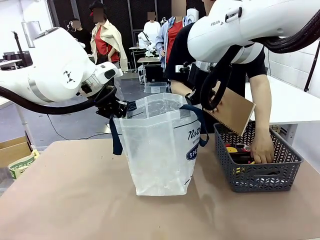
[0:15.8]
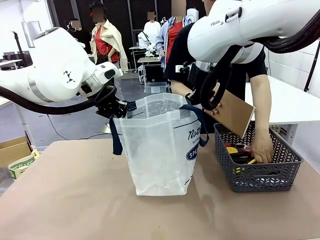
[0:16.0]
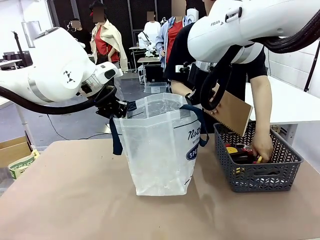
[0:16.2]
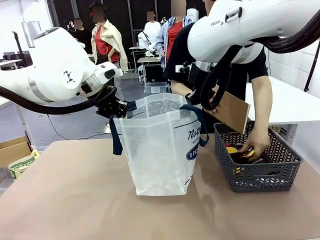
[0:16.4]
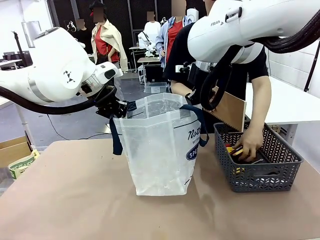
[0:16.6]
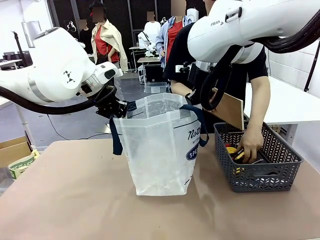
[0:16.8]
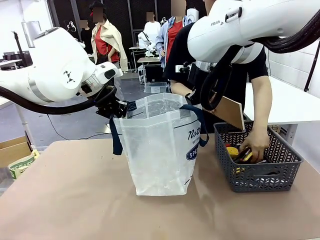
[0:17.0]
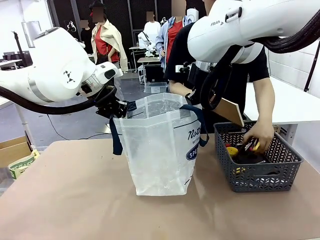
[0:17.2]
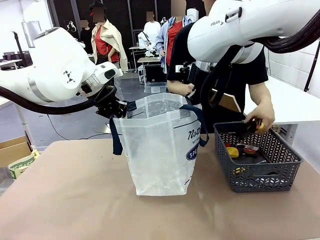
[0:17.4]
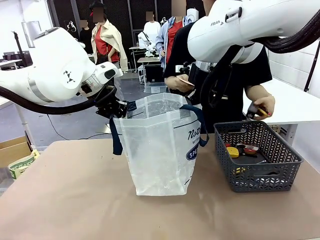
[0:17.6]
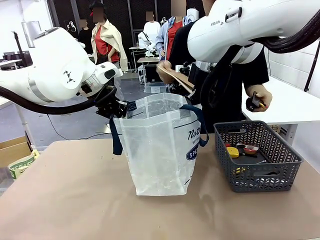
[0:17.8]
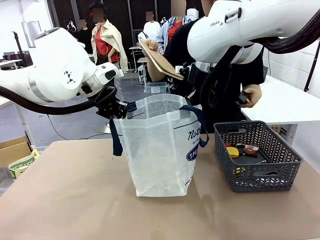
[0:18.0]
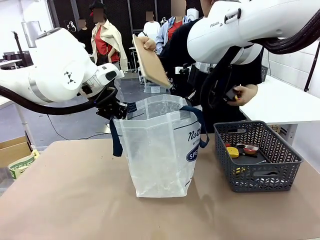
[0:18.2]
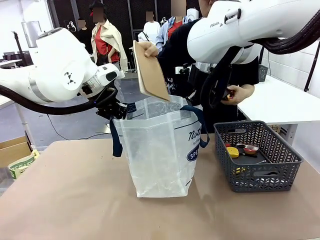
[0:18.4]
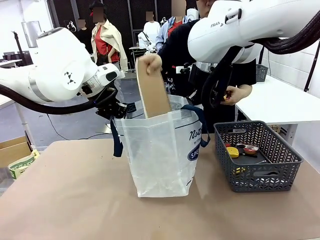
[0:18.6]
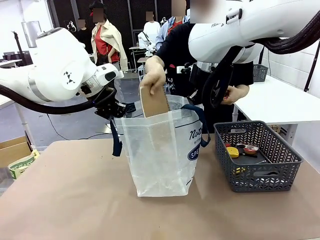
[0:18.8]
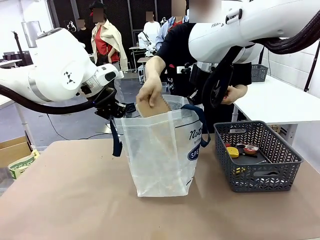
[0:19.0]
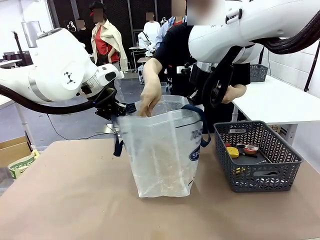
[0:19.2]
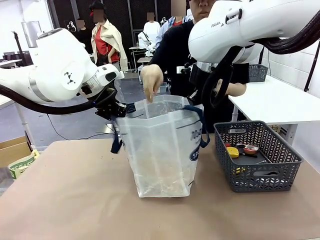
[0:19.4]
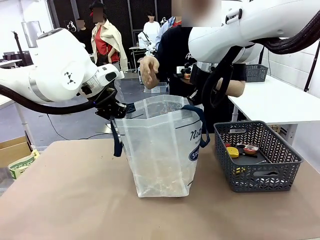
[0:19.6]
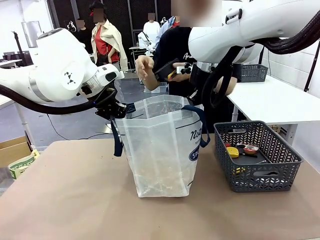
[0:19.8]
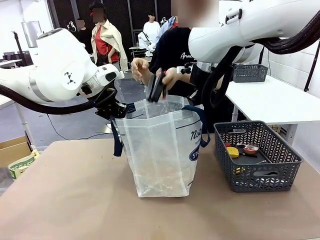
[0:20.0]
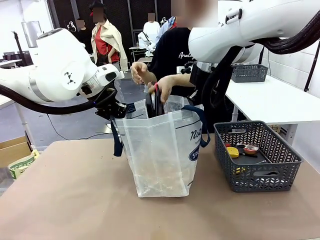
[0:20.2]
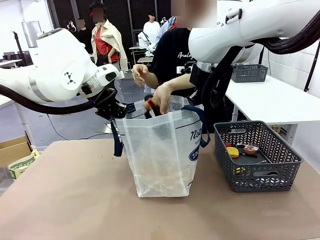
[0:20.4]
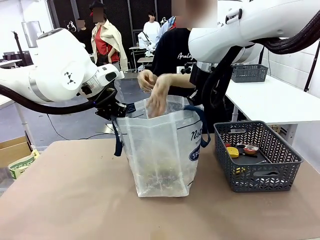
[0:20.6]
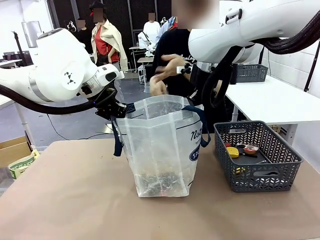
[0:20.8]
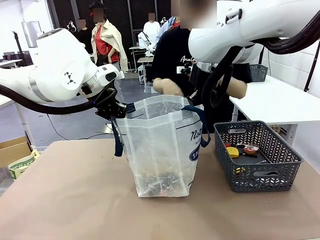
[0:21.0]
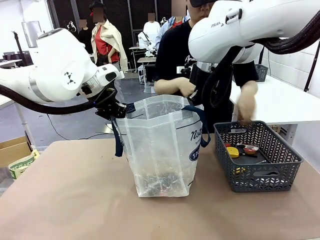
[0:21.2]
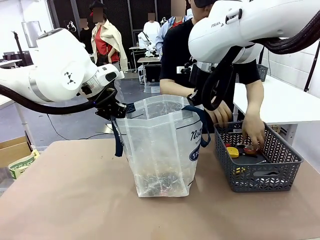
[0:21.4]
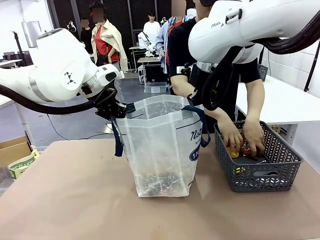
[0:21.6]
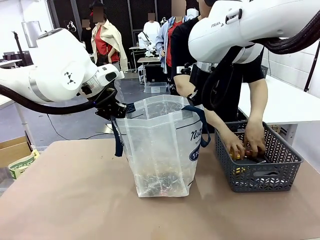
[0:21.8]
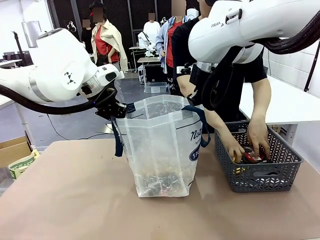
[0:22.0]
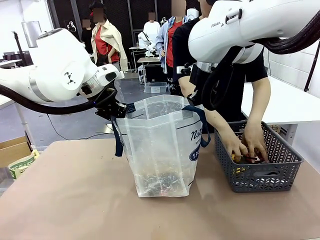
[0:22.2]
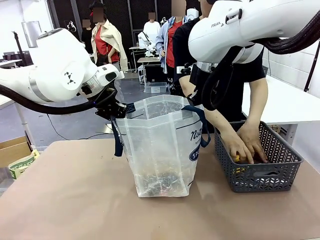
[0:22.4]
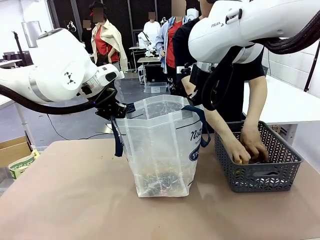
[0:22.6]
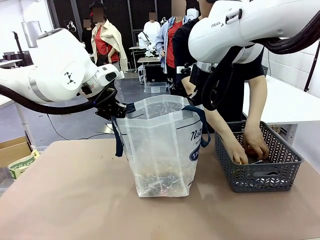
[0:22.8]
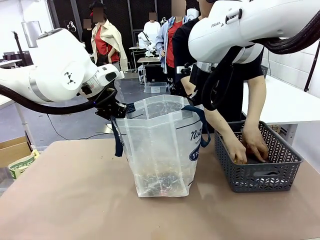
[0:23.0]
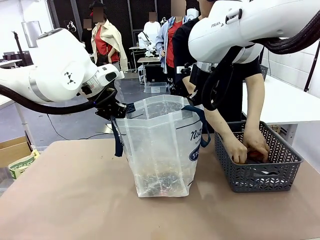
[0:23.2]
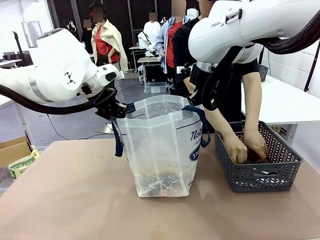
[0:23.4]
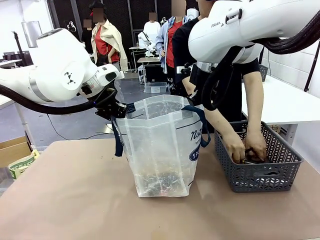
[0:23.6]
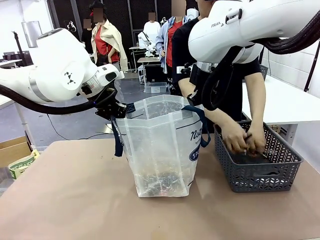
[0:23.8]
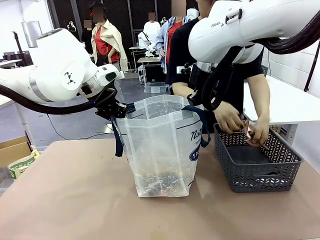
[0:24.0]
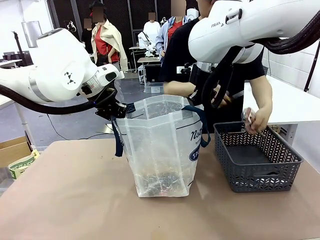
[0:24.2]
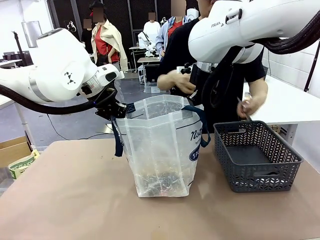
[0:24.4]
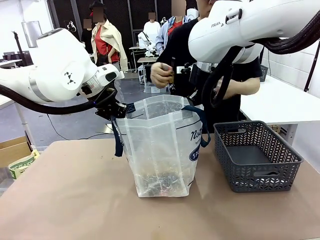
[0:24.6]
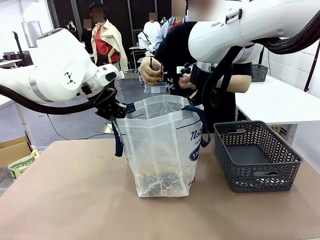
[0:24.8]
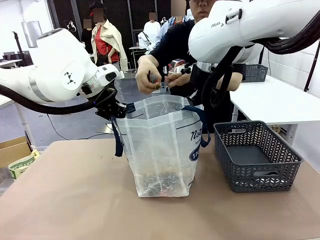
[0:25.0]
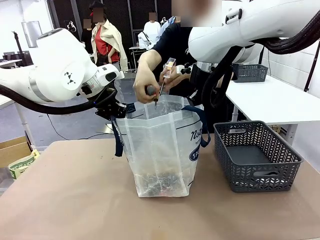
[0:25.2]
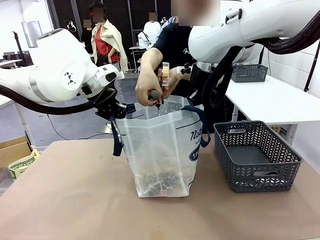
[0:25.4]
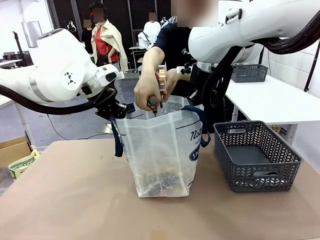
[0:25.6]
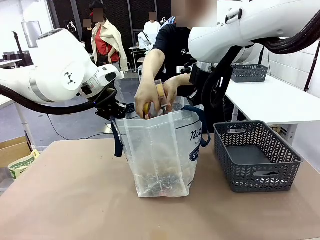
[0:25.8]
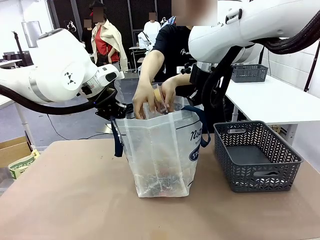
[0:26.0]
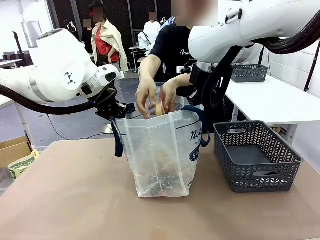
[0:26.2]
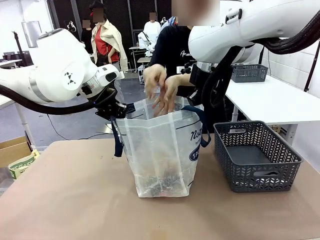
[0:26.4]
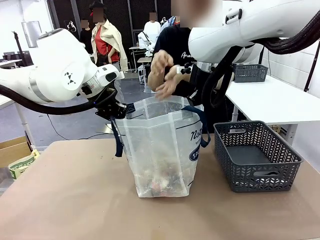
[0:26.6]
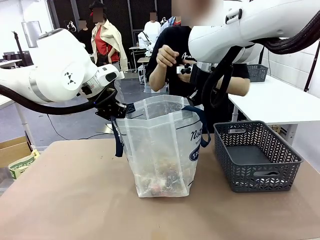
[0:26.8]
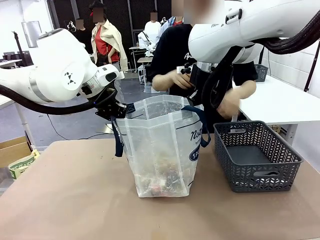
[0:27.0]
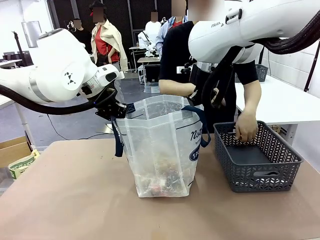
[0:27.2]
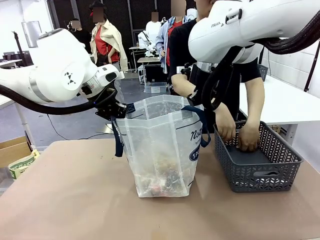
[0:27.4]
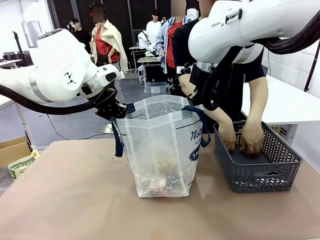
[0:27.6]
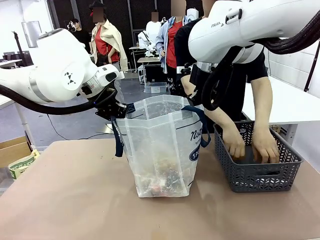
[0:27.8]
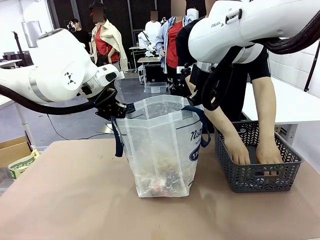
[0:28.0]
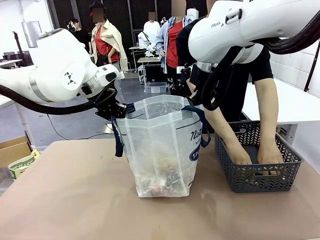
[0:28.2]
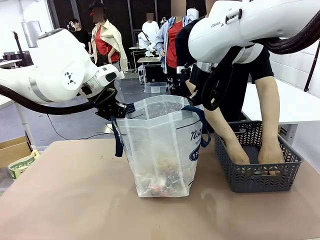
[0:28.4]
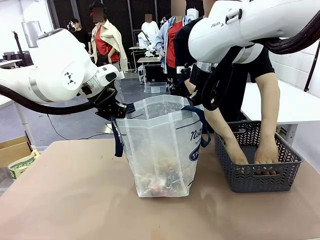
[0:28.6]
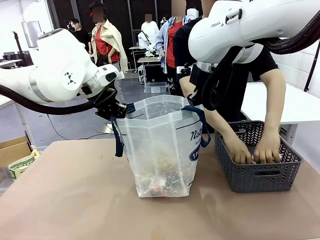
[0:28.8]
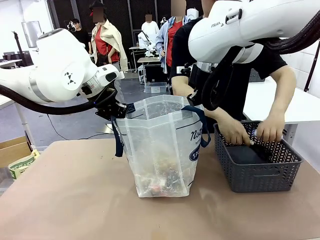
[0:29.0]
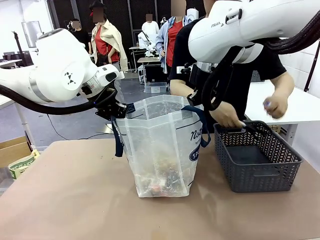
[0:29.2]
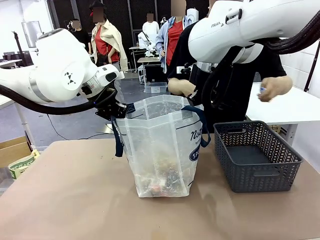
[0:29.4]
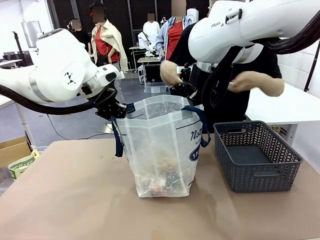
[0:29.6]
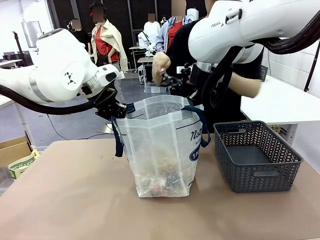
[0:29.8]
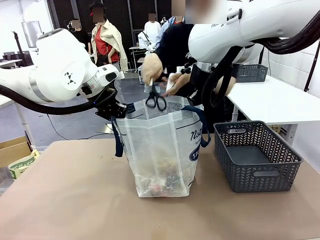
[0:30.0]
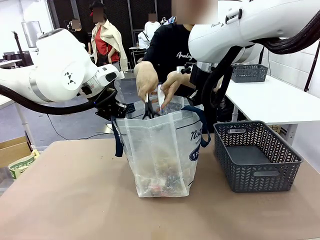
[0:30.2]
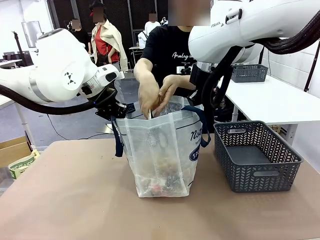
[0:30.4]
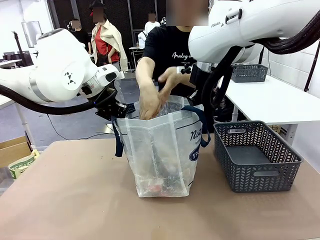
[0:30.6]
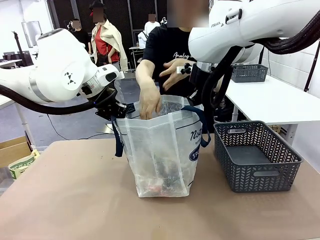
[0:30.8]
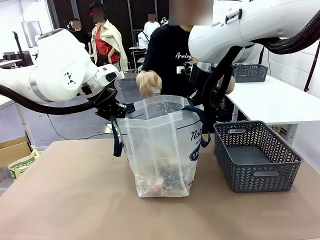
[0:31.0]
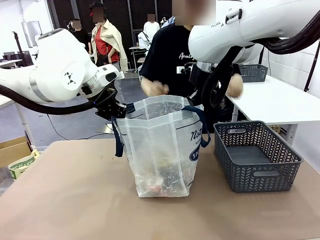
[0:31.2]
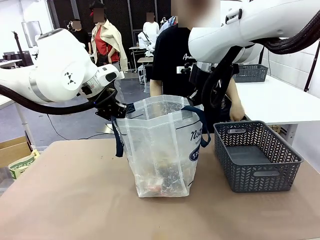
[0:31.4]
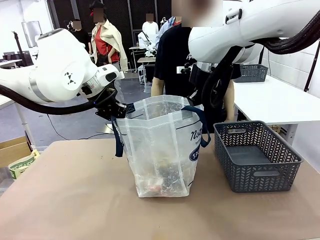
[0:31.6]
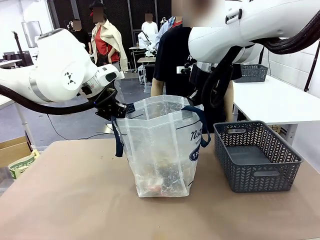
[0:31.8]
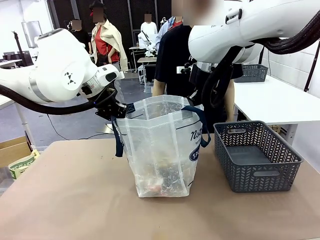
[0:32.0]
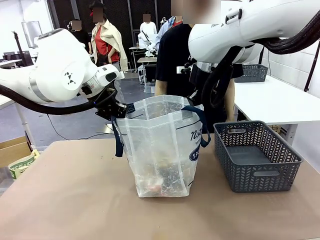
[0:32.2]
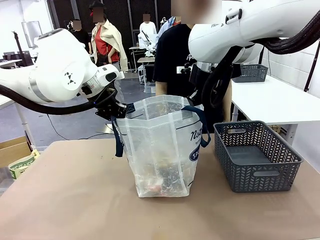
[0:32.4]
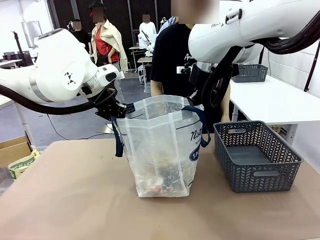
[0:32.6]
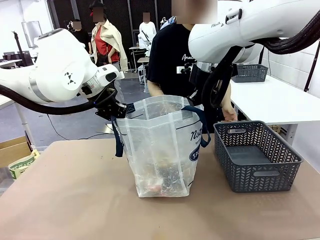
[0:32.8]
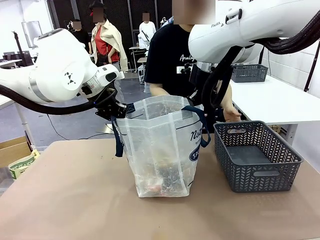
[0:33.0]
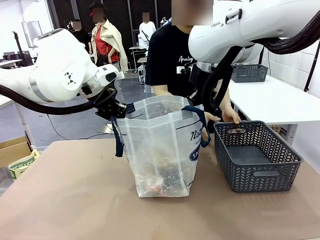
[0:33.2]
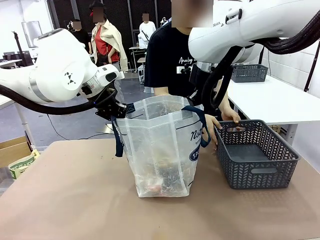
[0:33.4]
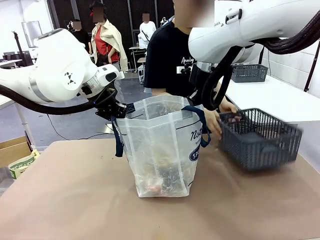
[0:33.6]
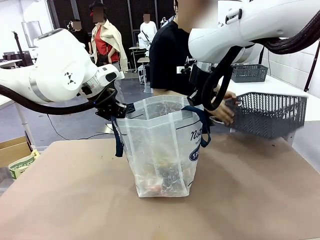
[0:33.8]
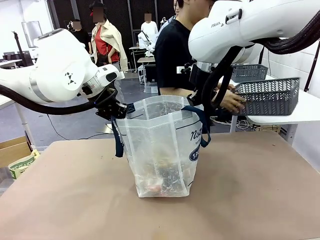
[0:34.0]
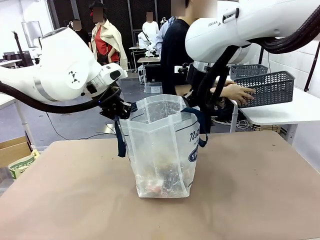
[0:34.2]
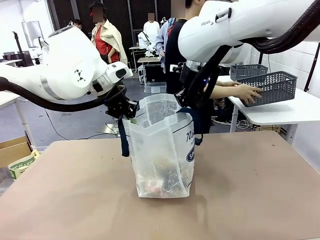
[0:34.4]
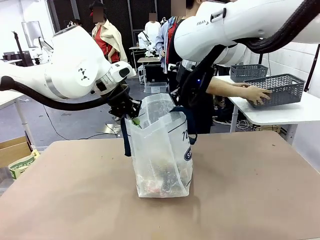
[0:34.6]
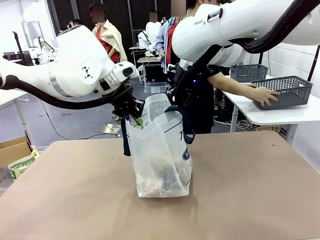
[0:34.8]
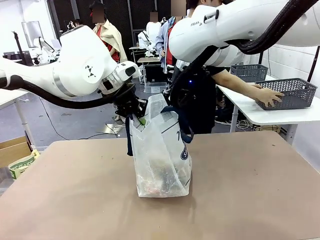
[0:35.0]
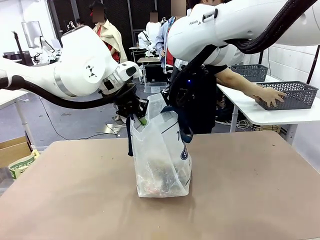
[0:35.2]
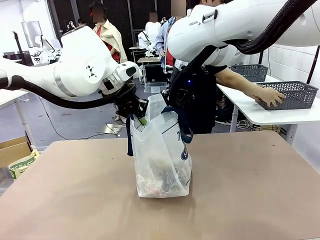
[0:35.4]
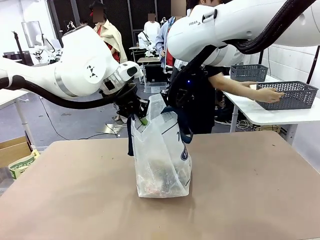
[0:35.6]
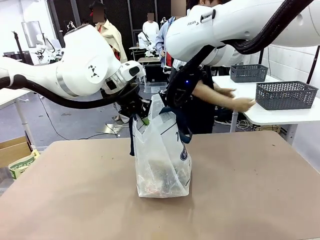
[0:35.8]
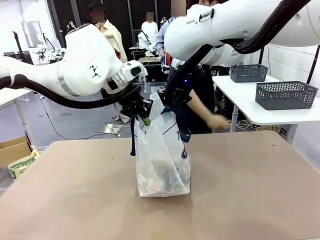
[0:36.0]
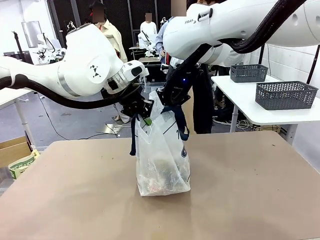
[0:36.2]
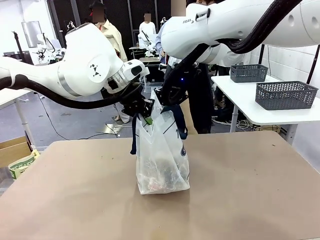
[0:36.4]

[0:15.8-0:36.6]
Task: Transfer purchased items from the store into the shopping bag.
Robot: Move the Reusable shopping bag to the right side of the table.
Person: Pick up the basket on the right, place it on the left side of the robot table, and move the items in the basket to the shopping bag. Pick up the basket with the items out and place it on the right side of the human table.
